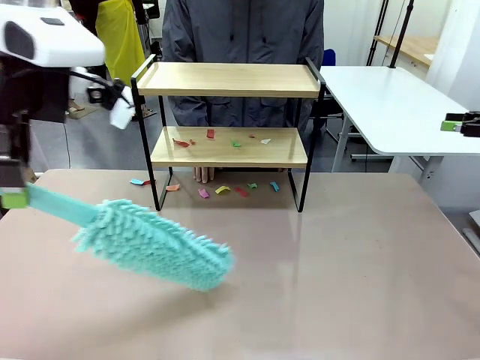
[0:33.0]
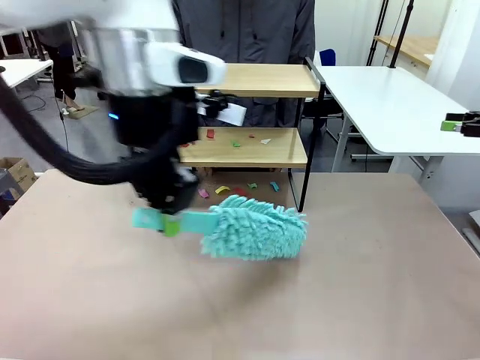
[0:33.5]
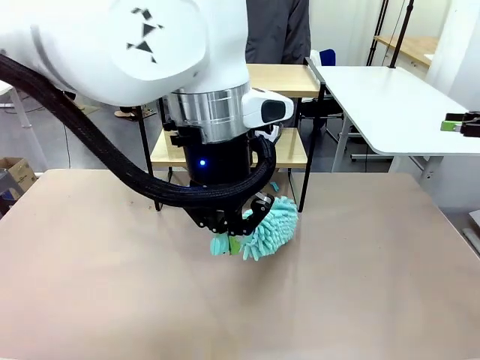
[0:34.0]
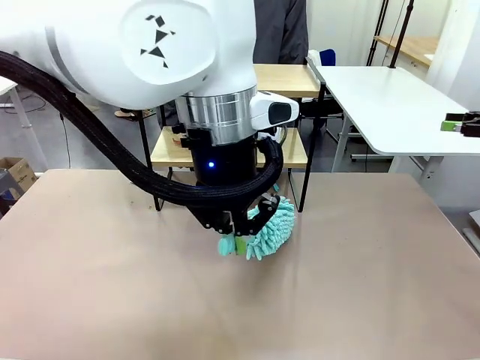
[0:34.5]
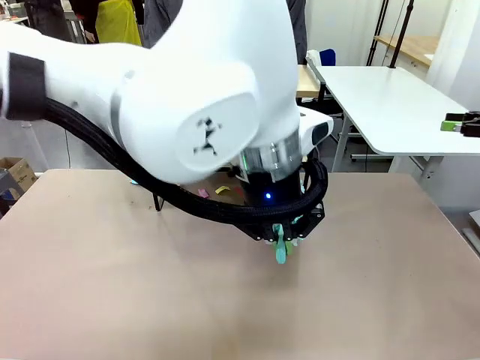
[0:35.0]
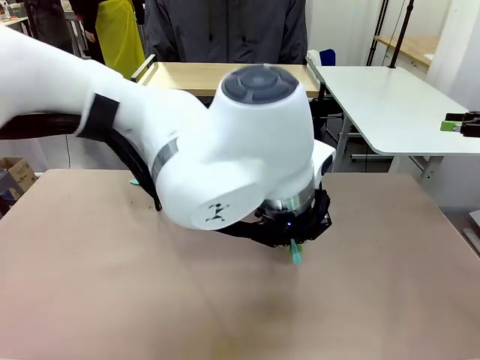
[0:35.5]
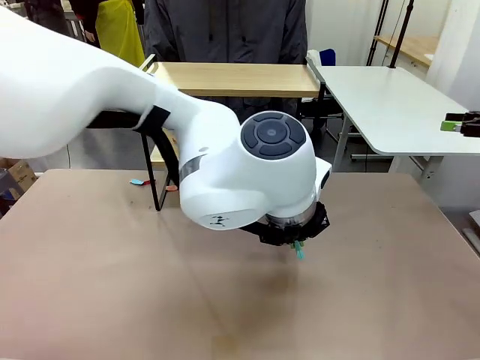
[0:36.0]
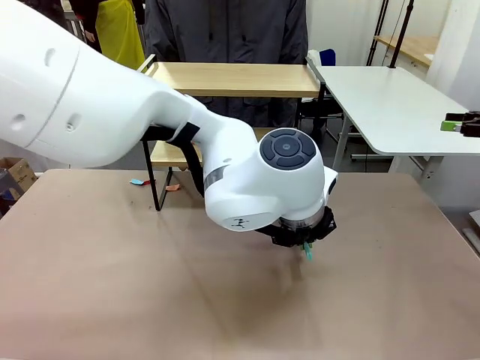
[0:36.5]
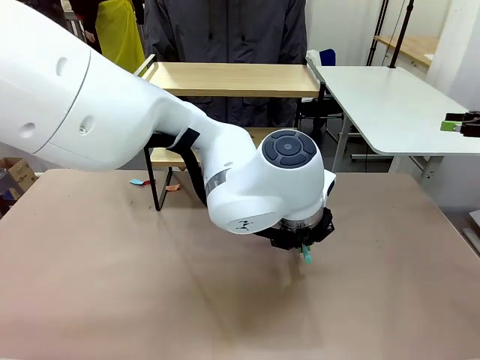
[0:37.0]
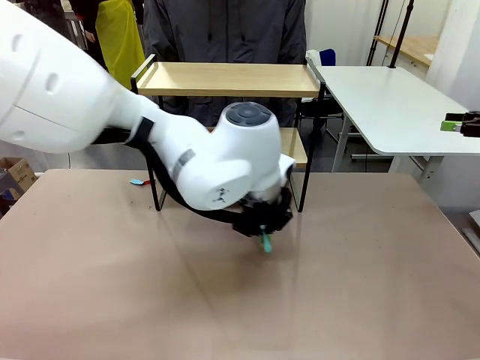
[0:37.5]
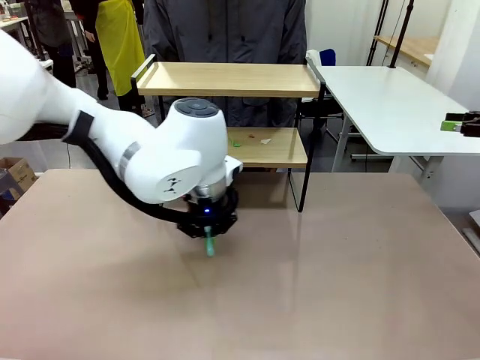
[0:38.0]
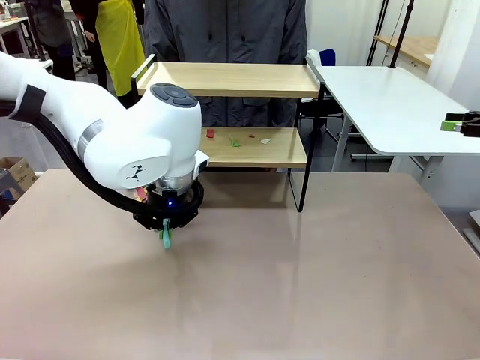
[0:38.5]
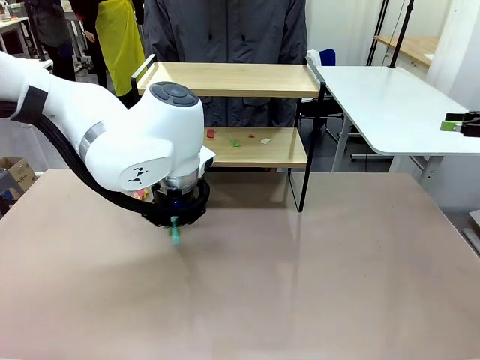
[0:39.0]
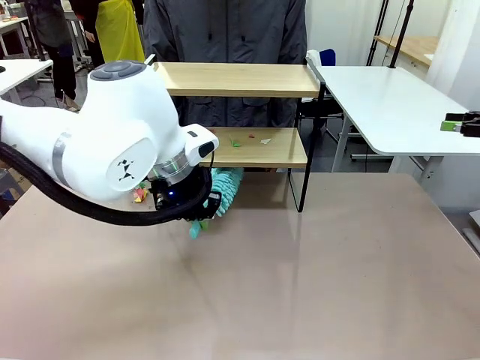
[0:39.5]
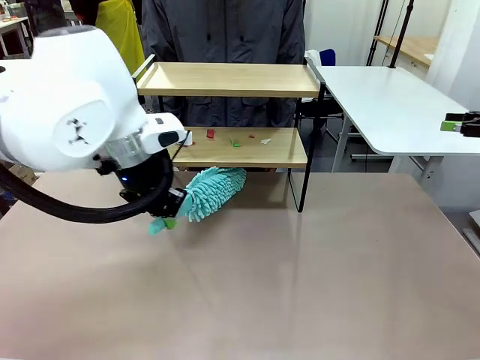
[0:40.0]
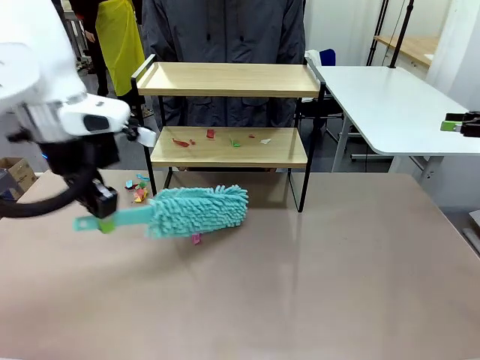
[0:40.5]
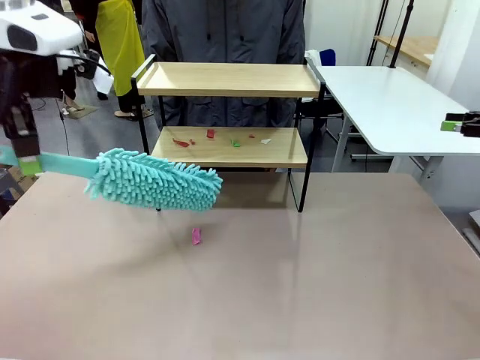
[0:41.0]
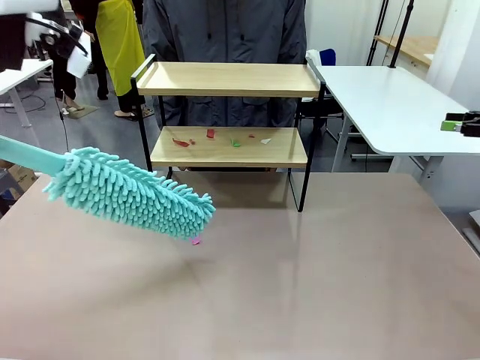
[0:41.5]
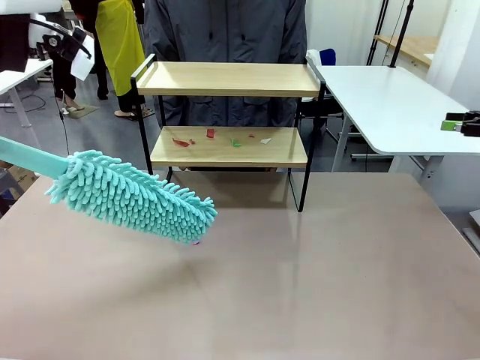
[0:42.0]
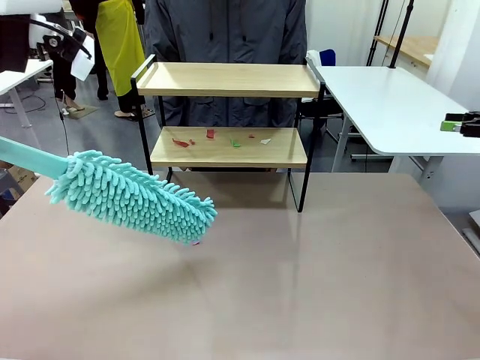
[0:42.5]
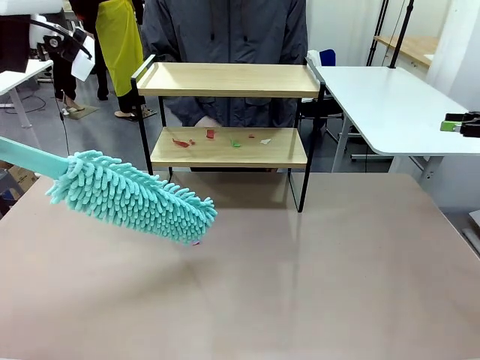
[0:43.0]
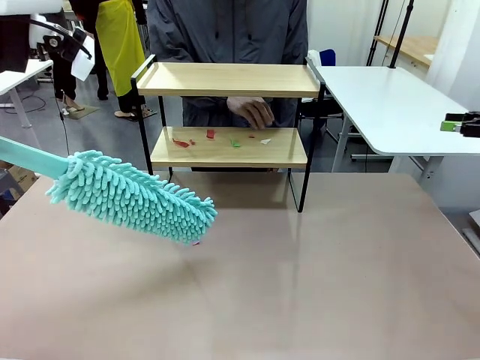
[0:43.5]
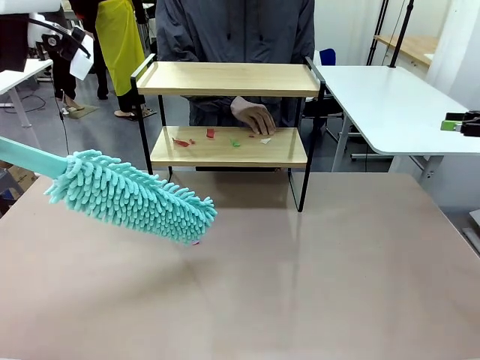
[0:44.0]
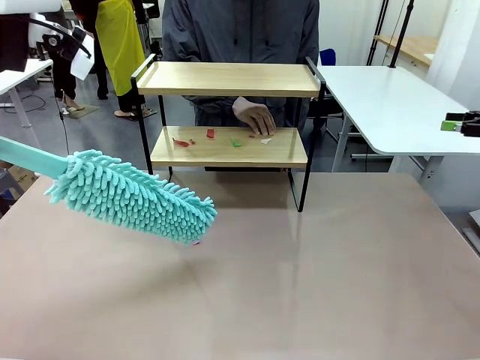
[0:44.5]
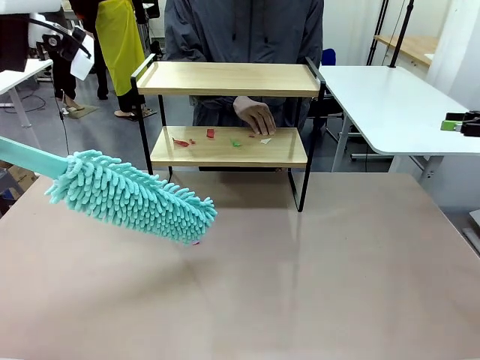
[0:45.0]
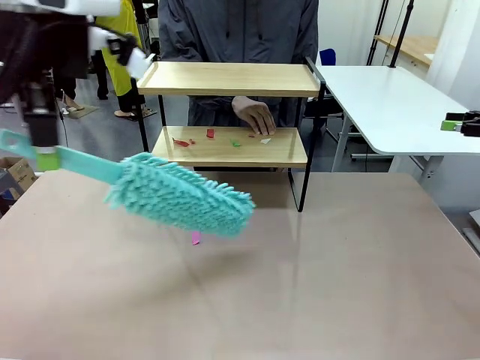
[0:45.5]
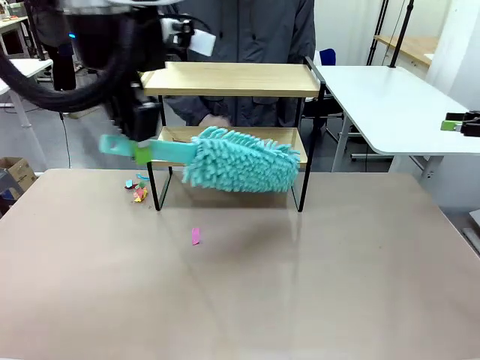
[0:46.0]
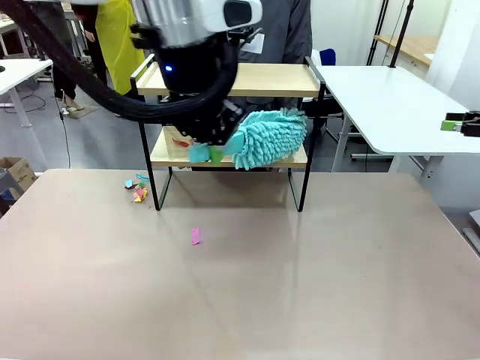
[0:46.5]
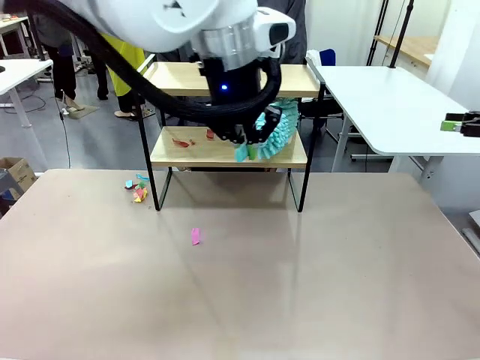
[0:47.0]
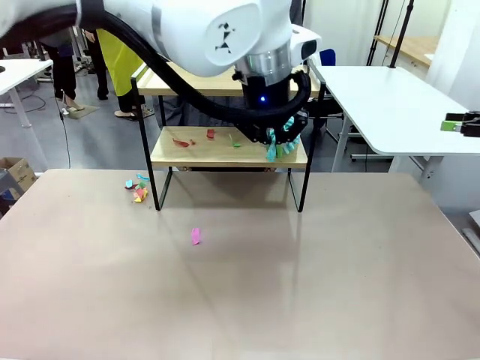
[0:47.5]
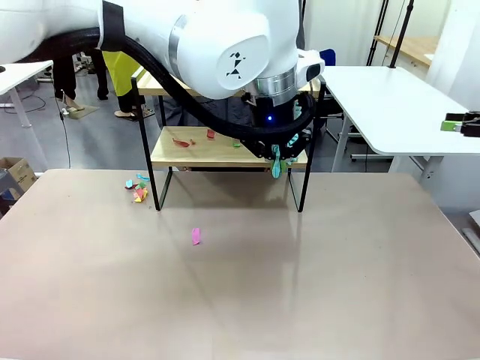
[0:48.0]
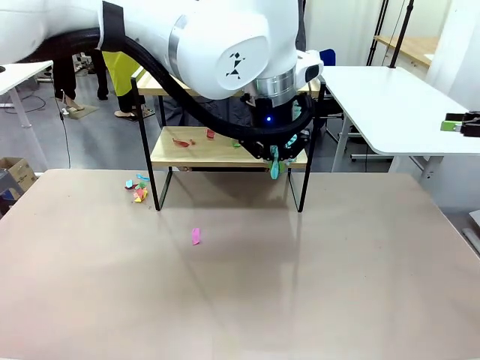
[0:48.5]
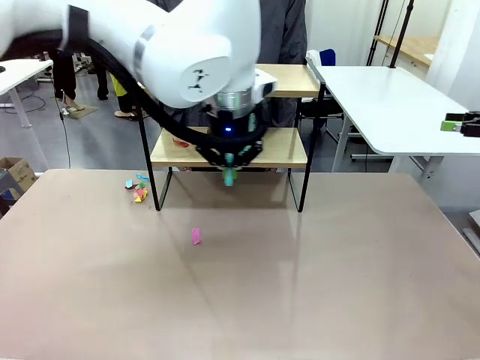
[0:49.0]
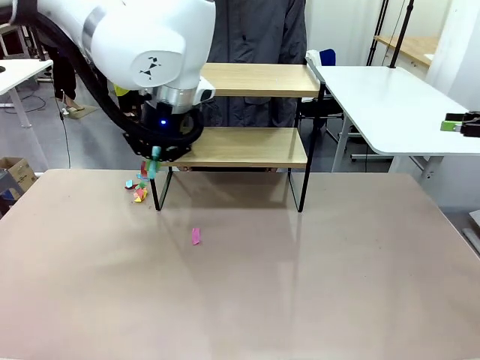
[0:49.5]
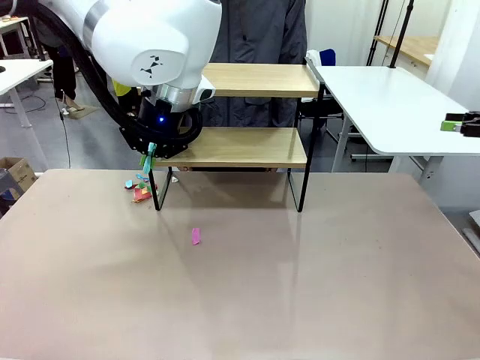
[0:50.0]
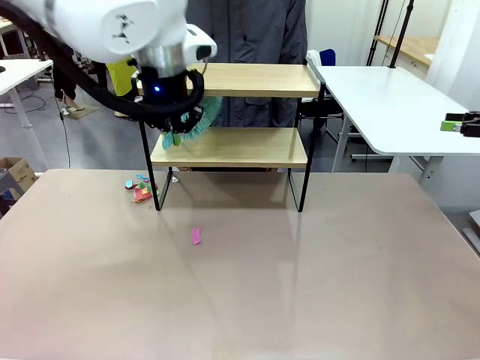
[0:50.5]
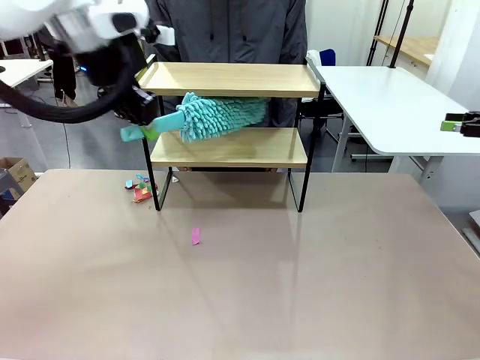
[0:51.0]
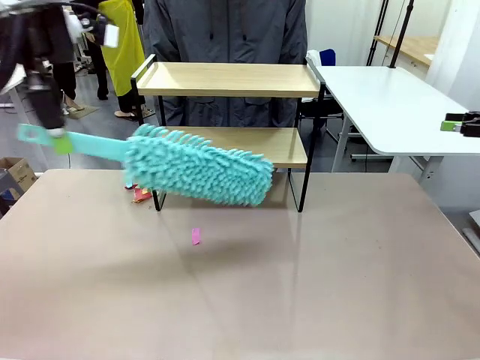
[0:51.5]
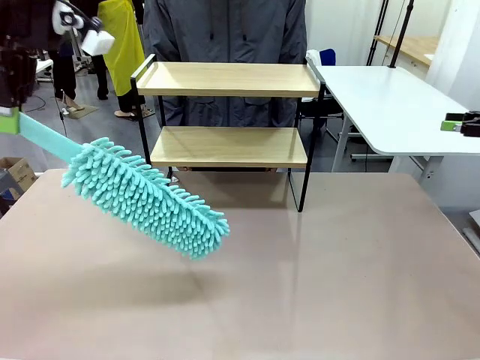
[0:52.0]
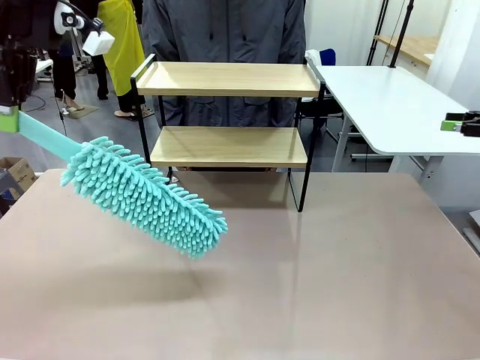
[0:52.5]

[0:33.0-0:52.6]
Task: Clean the shelf.
Robot: Clean the specific section of the Shelf indicated by the human with the Duster.
Person: Point a remaining section of the Shelf.

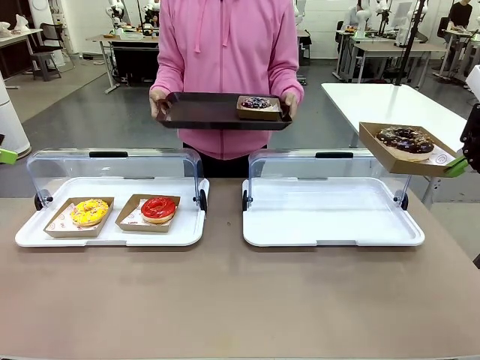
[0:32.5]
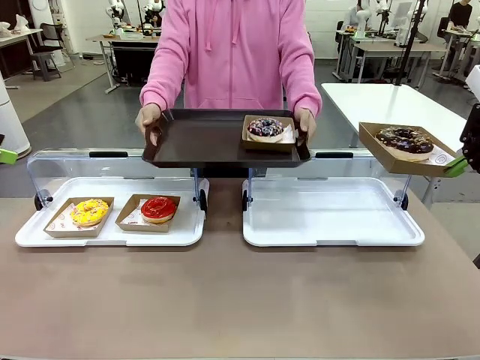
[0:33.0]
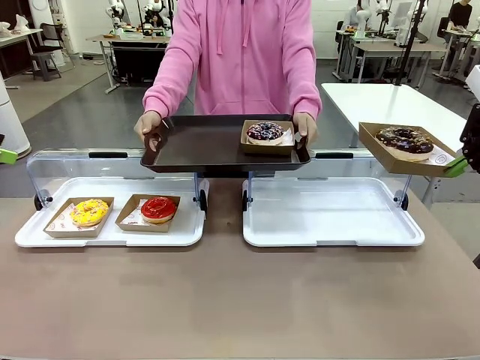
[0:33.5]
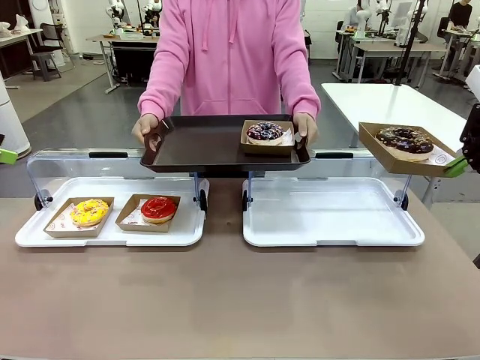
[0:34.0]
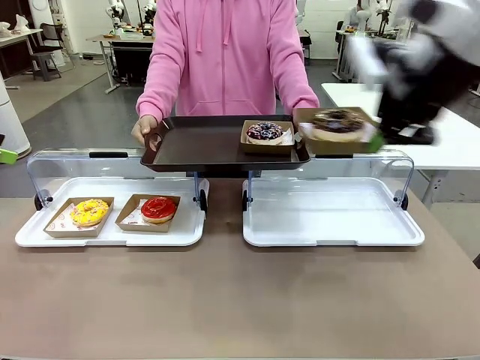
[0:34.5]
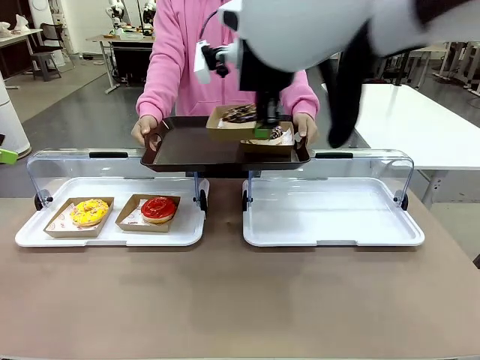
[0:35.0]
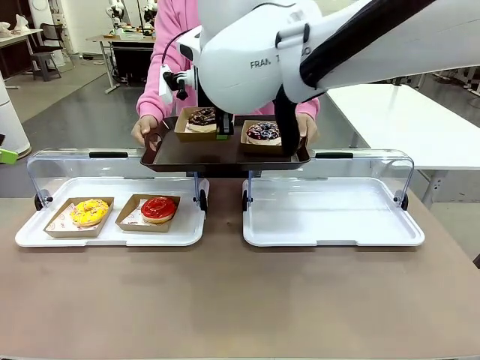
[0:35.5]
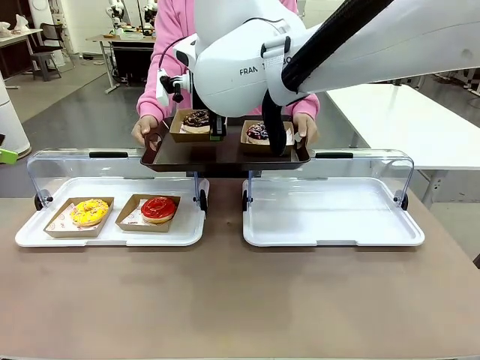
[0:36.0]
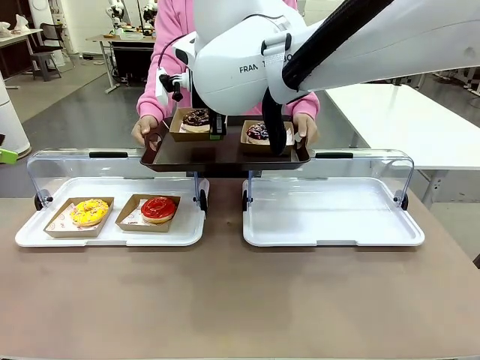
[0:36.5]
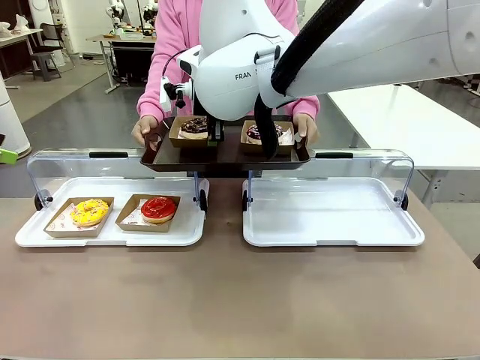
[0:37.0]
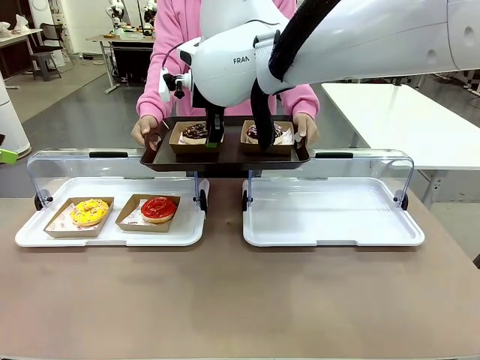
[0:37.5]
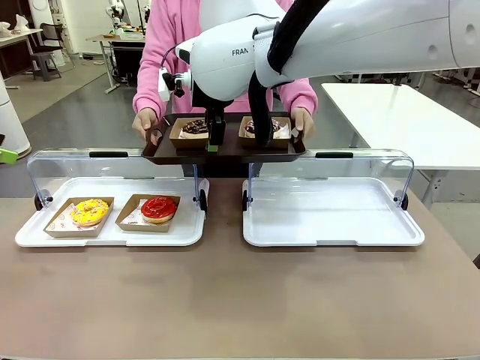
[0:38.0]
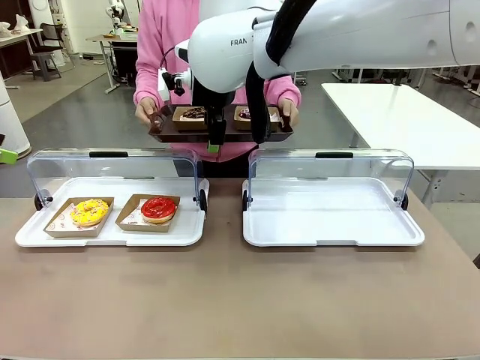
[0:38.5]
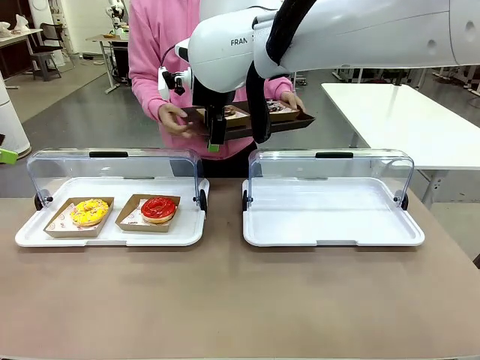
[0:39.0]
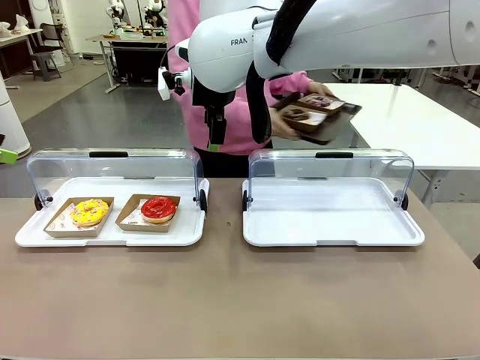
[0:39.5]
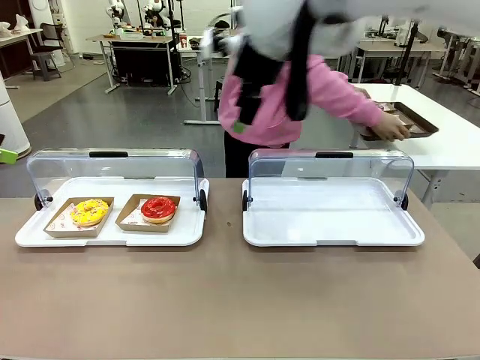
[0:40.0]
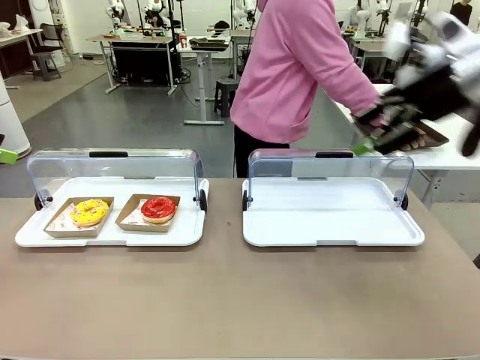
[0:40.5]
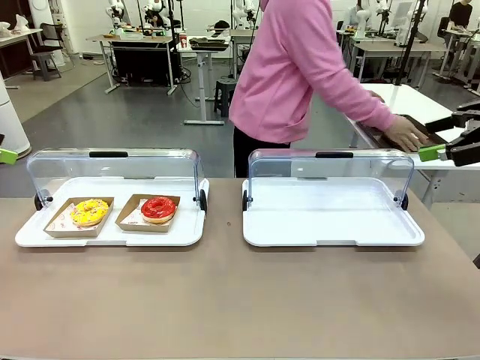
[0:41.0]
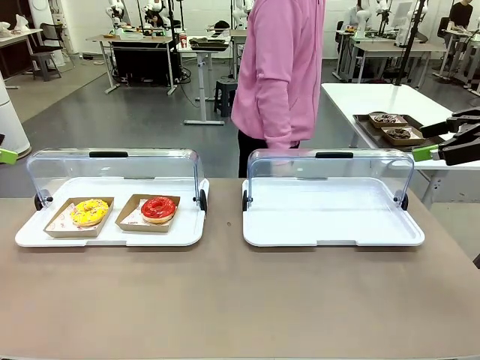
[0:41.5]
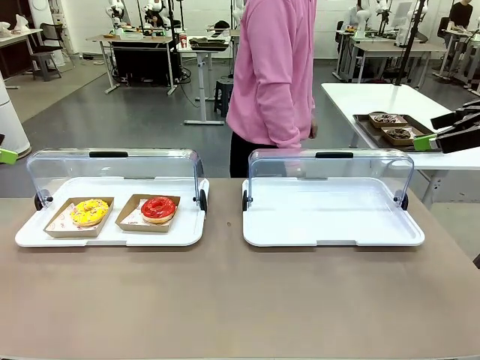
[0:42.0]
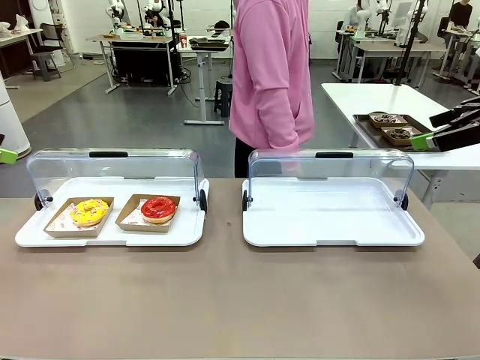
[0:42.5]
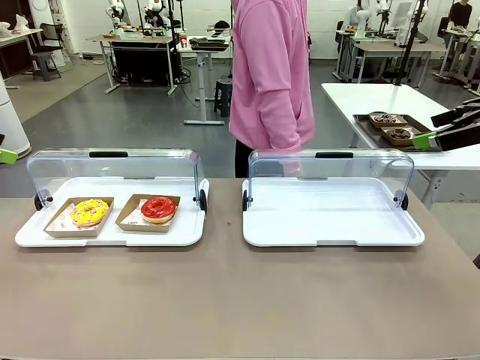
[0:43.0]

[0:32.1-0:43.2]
Task: Provide the desired donut to the person.
Robot: Place the picked Paper togo box onto the Handle tray extended by the person.
Person: Place the tray in the middle of the human table.
